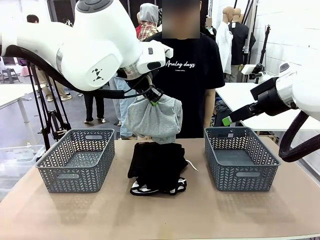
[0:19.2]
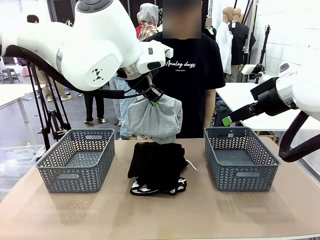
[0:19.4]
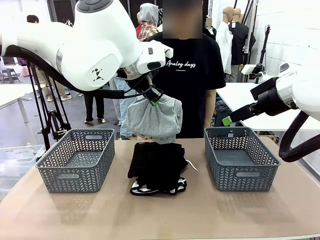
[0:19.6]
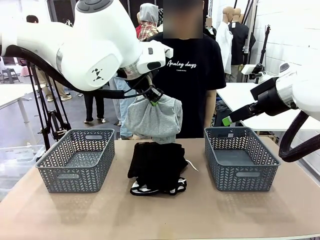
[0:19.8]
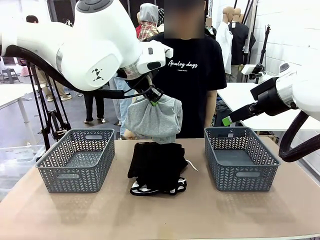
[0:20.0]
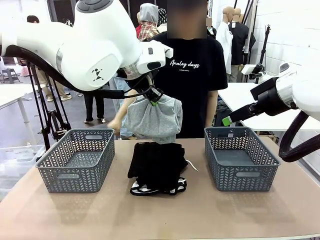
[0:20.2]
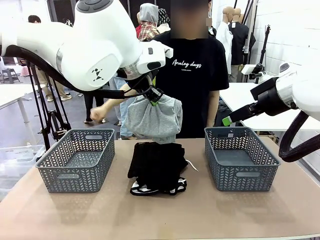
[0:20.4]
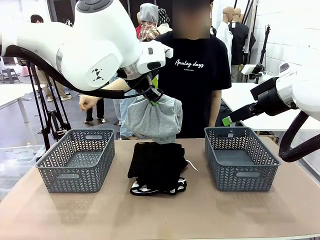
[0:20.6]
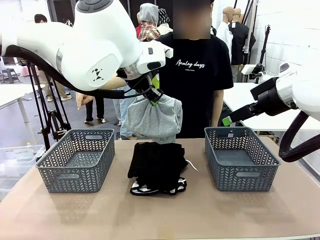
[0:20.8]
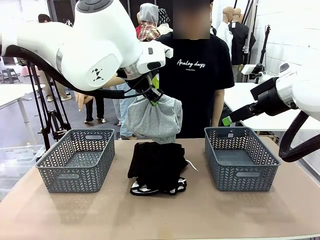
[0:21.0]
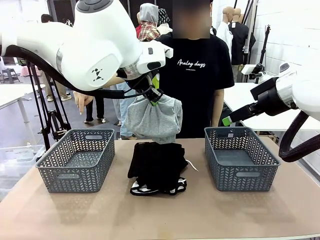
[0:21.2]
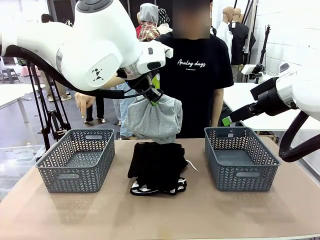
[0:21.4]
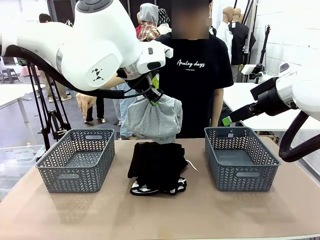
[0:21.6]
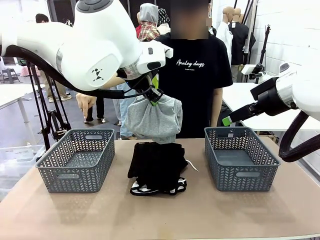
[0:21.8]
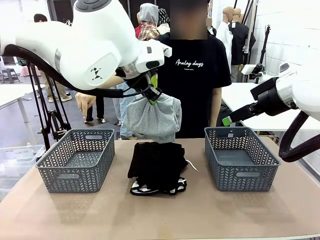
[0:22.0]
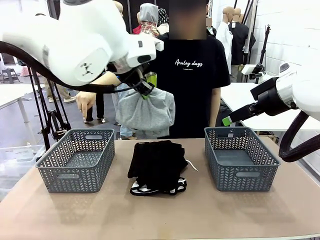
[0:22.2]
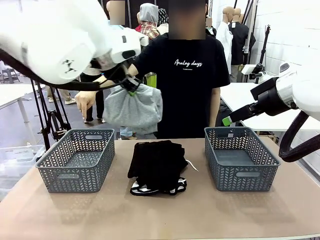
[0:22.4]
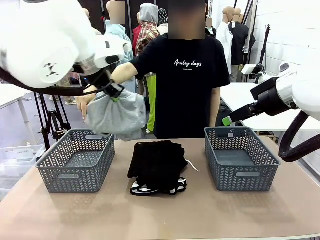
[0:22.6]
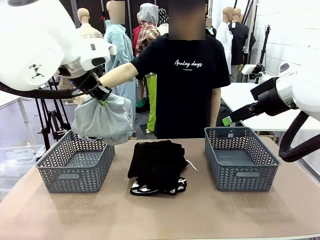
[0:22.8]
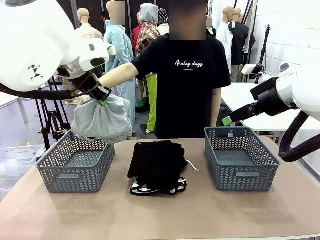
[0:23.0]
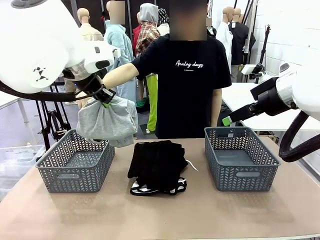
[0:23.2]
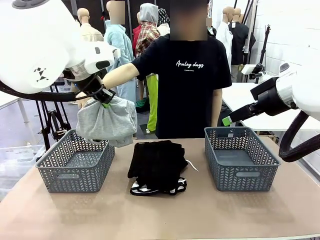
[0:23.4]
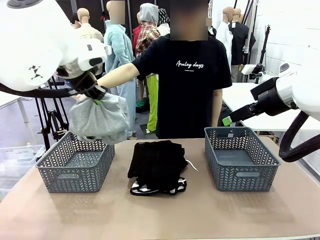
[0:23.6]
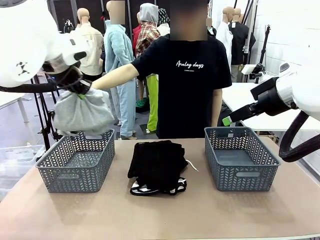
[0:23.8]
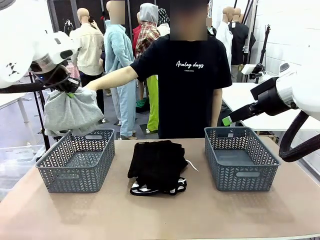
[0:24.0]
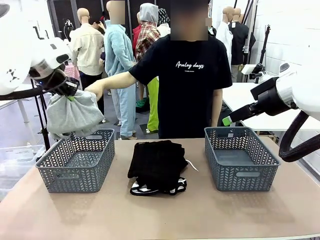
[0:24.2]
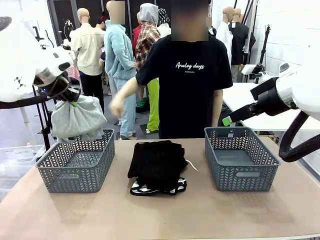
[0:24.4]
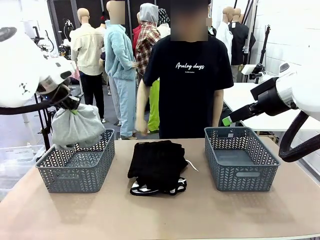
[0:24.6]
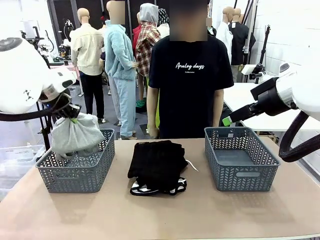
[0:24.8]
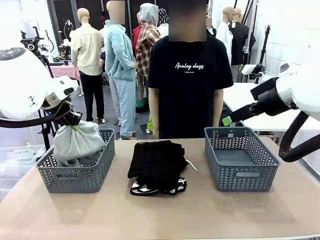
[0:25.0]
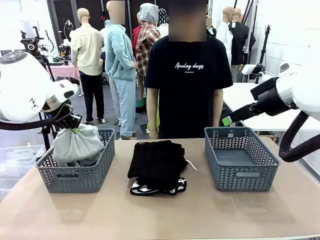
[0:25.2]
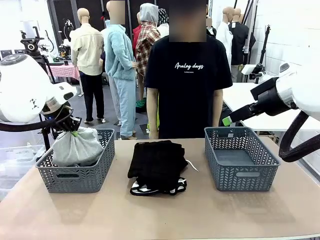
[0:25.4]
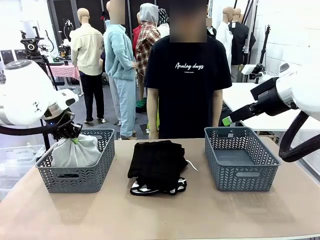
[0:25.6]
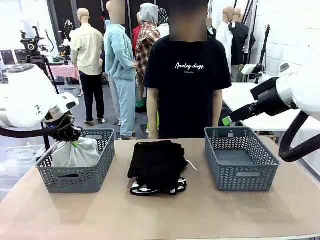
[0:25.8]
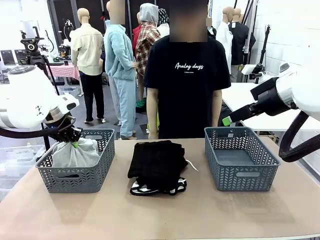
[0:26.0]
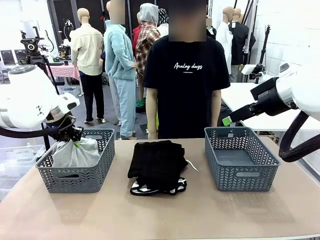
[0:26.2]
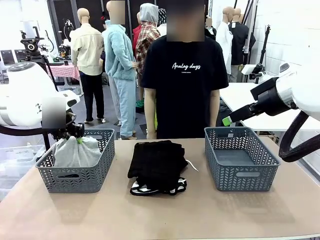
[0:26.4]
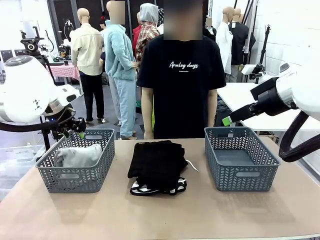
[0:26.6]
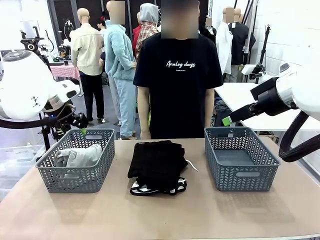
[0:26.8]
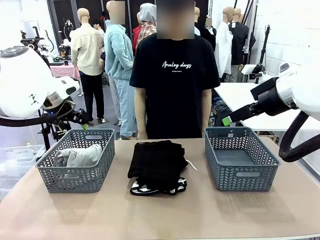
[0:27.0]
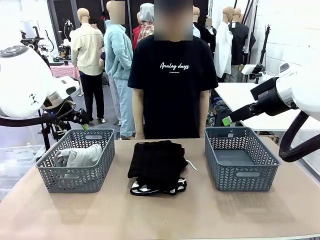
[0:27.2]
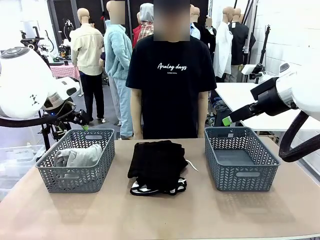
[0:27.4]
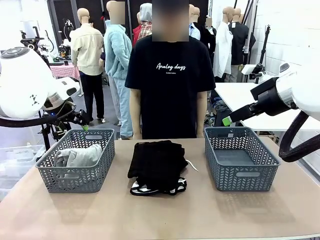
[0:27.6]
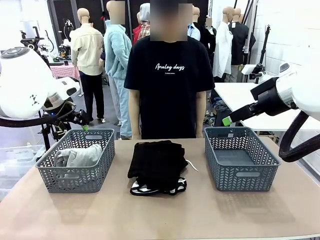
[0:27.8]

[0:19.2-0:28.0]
Task: Sort the tops and bottoms.
Robot: Sort the clothes according to human instructions.

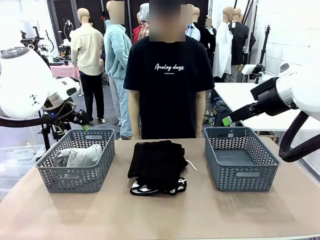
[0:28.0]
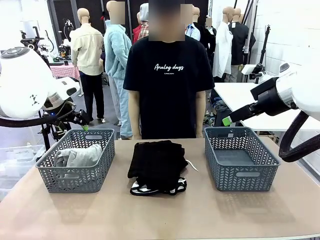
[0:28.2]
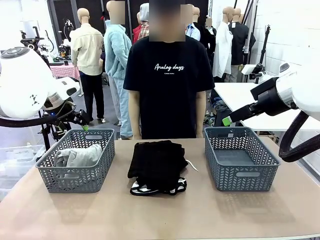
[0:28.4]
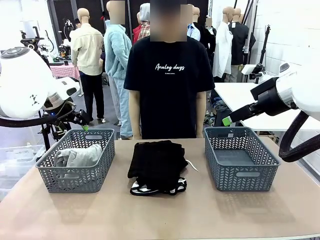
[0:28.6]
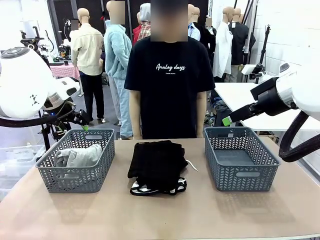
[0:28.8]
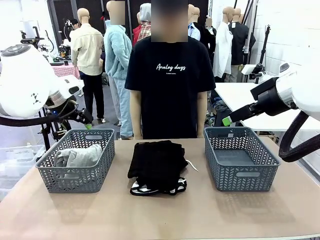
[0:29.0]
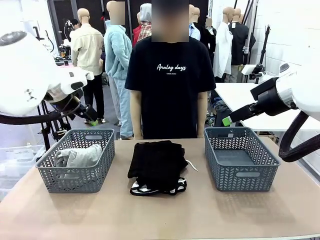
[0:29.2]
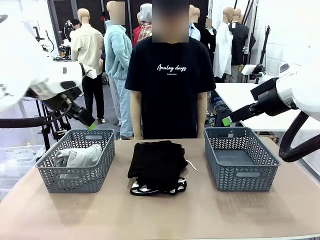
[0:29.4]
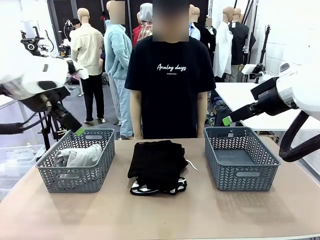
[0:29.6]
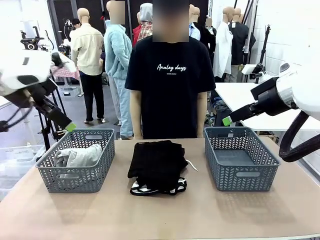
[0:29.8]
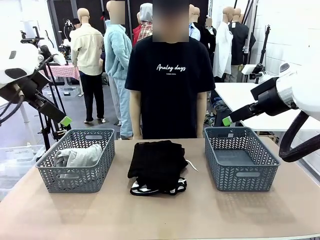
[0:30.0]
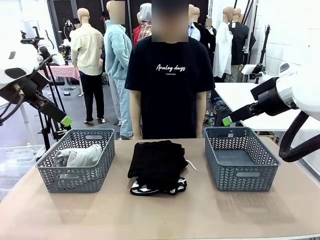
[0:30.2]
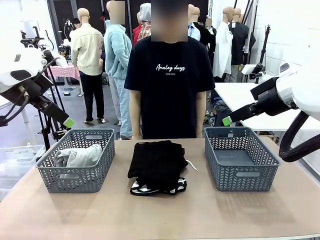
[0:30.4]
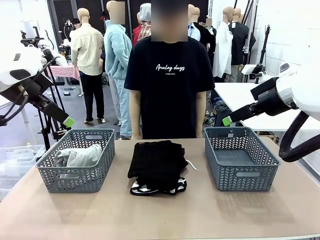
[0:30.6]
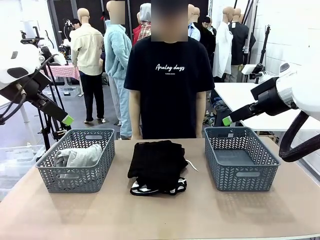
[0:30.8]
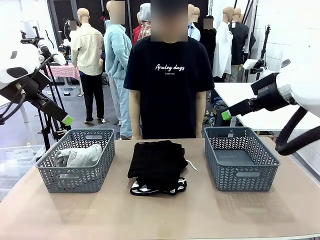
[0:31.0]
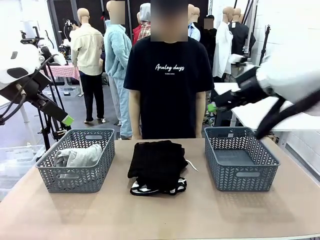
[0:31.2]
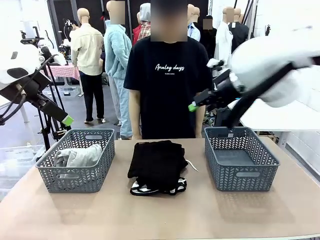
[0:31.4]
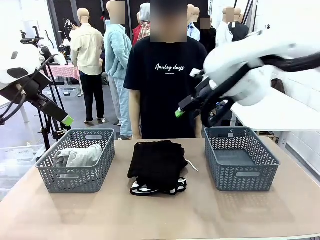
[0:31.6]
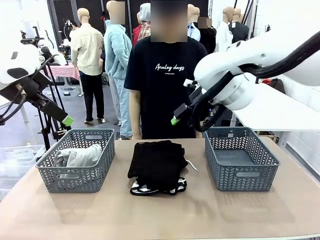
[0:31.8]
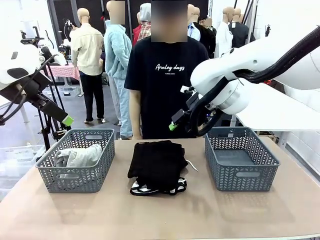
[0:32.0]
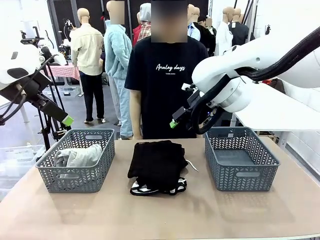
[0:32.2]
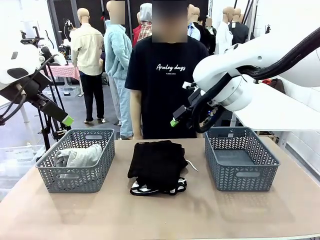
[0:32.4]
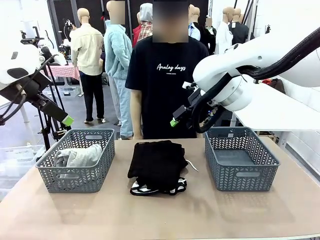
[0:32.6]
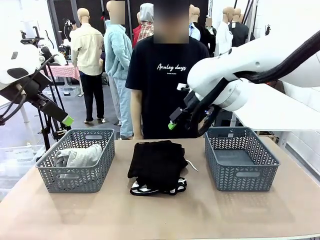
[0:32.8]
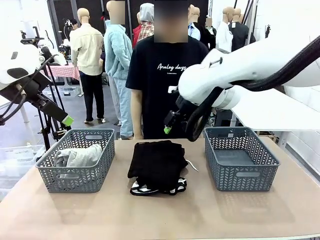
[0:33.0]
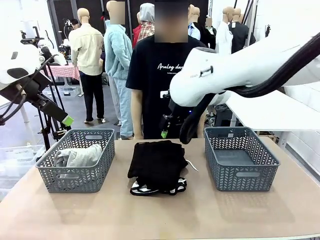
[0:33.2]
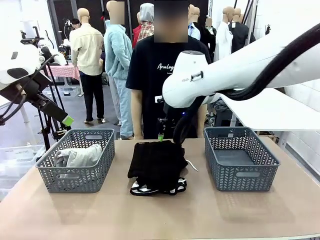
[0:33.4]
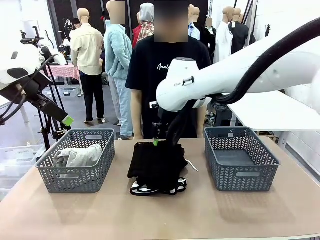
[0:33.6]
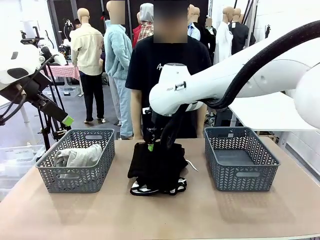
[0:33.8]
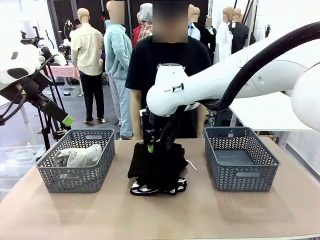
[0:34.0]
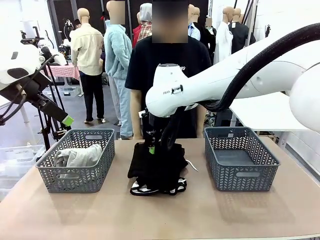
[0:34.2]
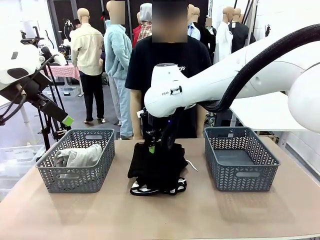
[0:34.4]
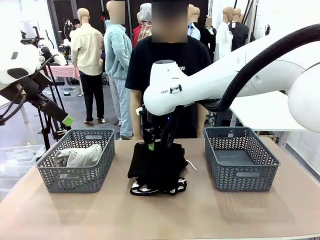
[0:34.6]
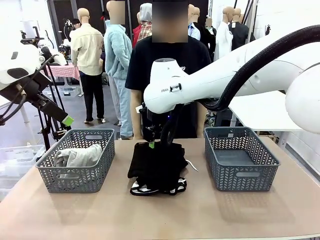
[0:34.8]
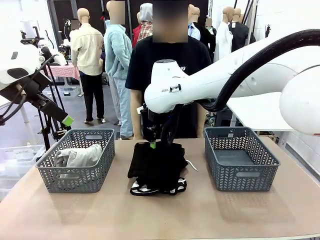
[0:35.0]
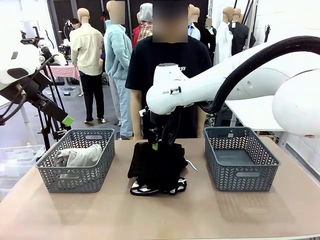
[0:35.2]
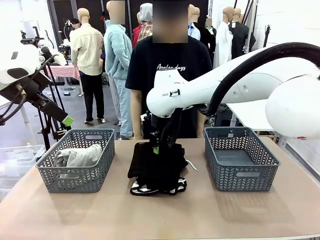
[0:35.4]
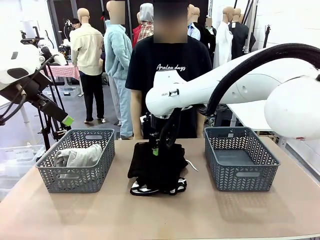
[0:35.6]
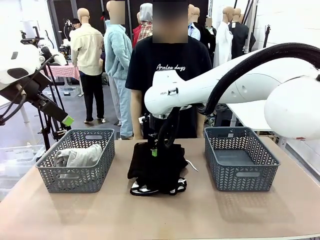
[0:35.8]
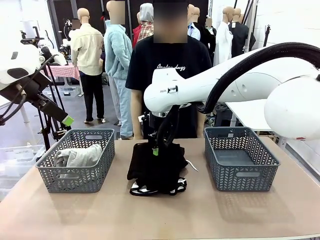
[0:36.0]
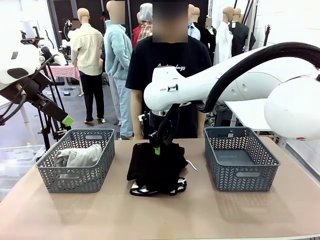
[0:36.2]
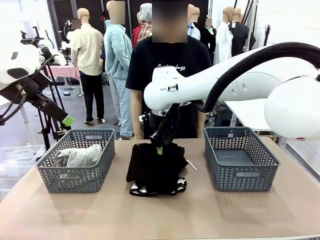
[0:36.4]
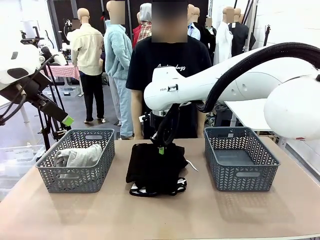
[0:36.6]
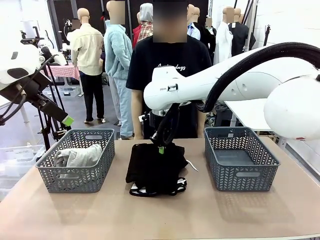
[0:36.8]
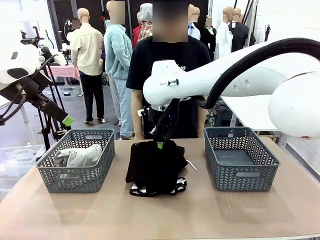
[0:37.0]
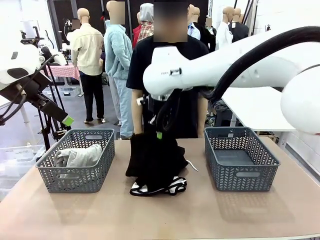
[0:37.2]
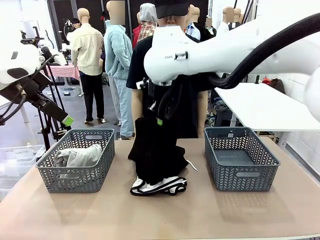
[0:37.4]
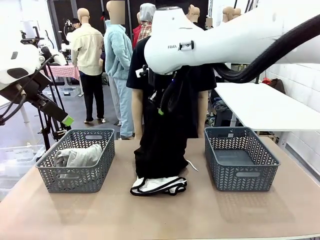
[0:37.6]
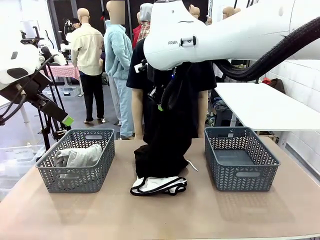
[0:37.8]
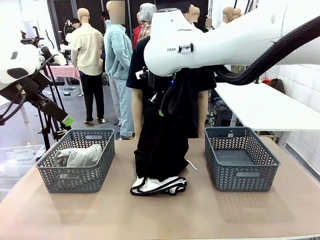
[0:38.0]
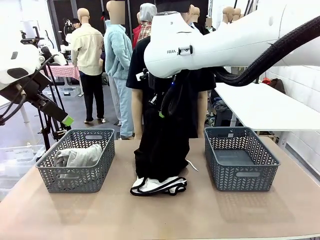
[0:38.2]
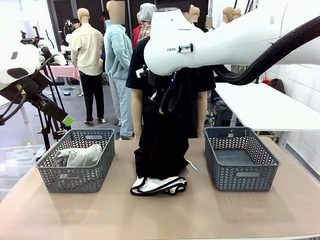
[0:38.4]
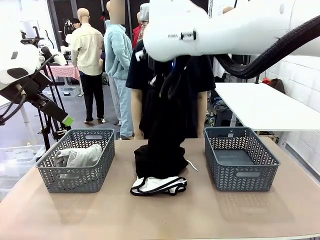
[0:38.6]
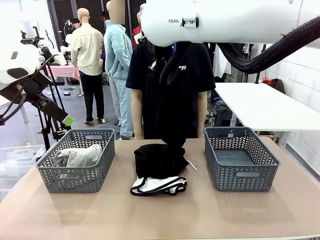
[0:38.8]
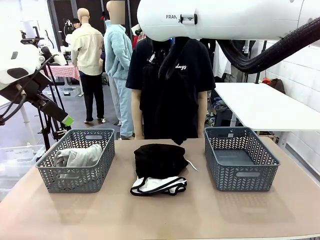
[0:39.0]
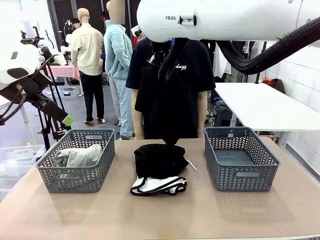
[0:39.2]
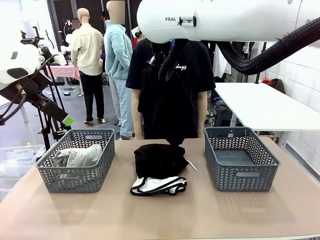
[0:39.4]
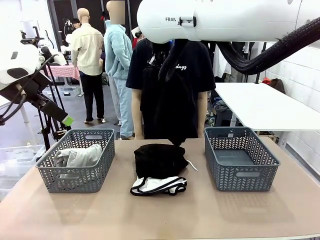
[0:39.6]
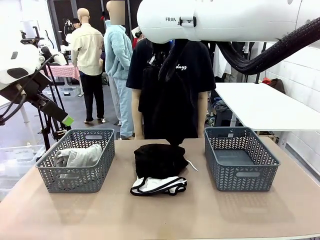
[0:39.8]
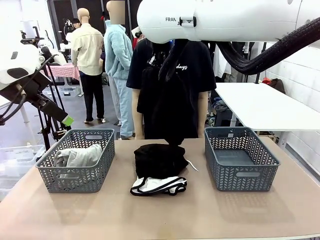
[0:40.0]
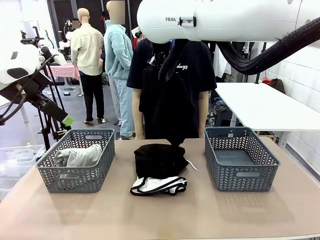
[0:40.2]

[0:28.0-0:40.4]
Robot: Lift clothes from the center of the table with your right hand.
